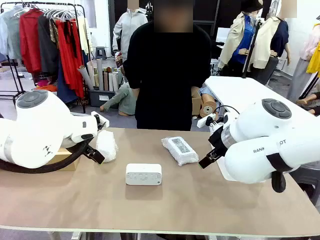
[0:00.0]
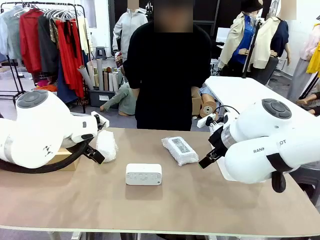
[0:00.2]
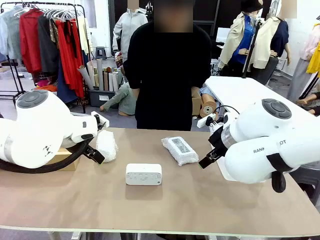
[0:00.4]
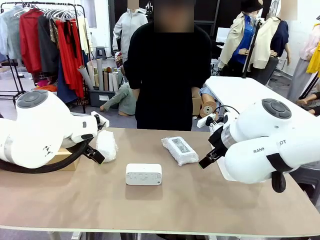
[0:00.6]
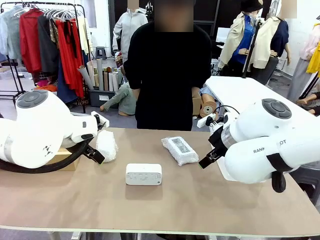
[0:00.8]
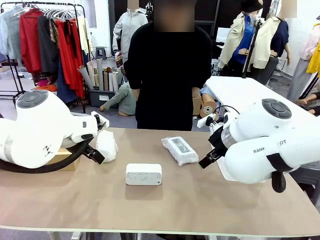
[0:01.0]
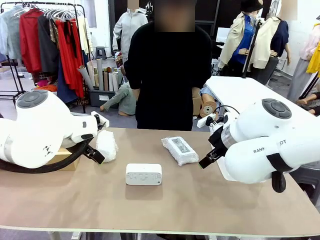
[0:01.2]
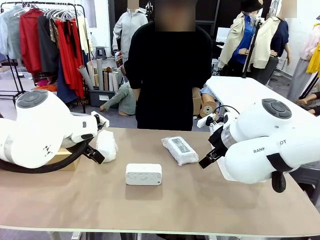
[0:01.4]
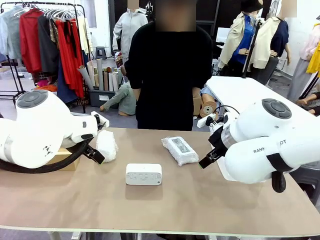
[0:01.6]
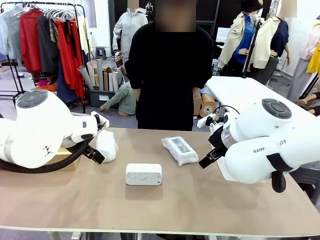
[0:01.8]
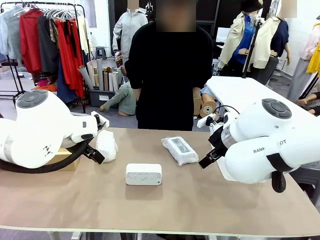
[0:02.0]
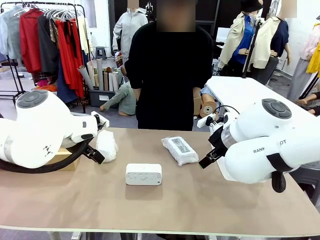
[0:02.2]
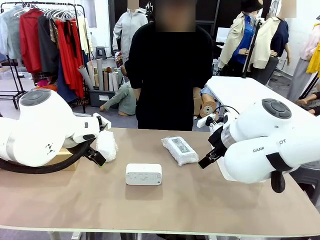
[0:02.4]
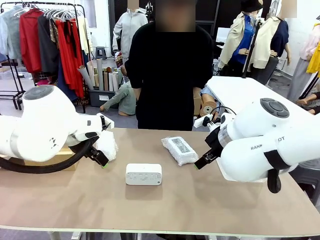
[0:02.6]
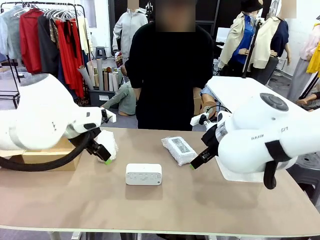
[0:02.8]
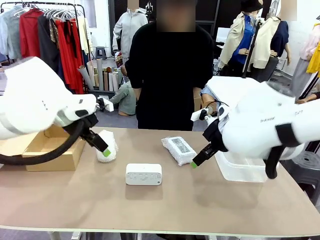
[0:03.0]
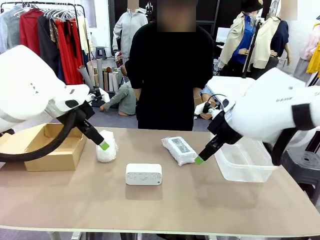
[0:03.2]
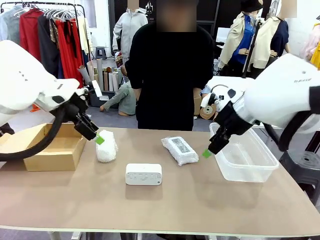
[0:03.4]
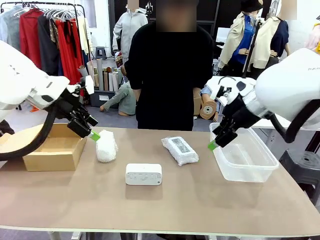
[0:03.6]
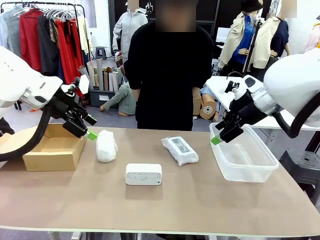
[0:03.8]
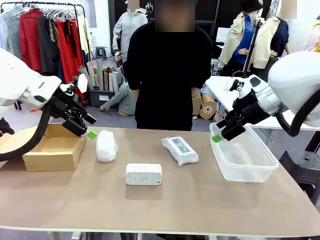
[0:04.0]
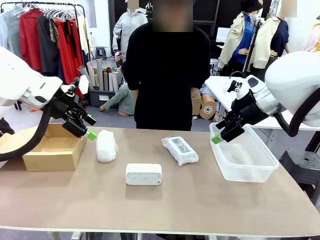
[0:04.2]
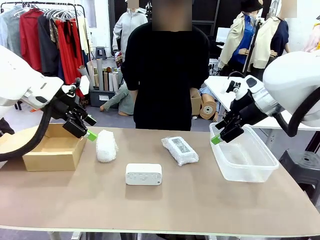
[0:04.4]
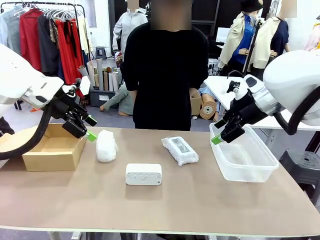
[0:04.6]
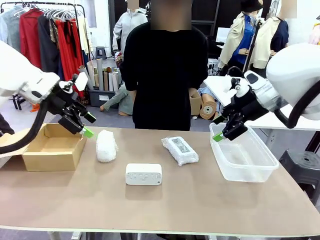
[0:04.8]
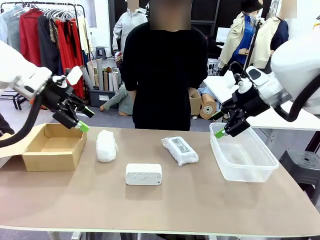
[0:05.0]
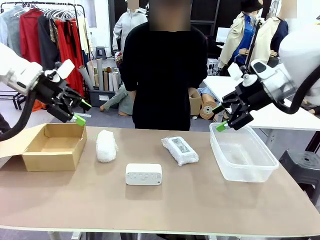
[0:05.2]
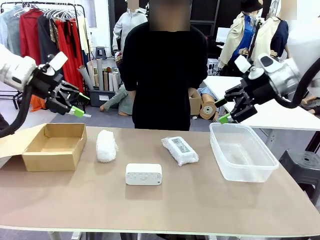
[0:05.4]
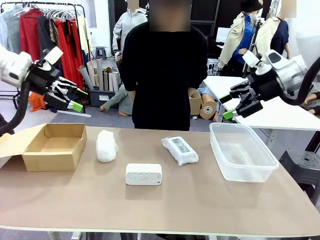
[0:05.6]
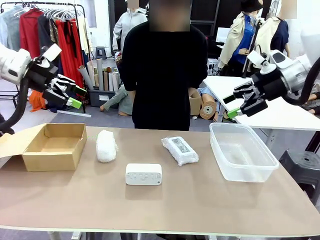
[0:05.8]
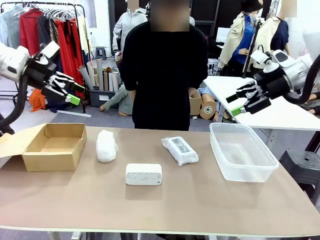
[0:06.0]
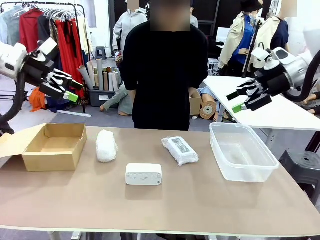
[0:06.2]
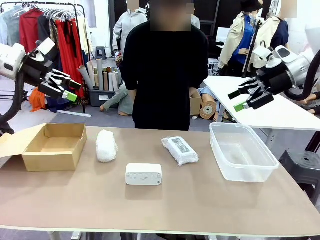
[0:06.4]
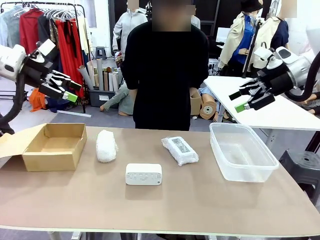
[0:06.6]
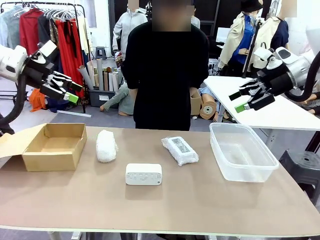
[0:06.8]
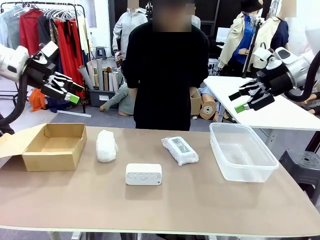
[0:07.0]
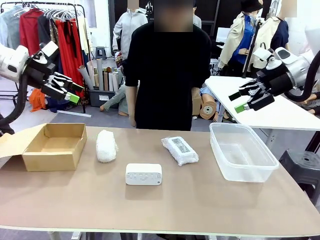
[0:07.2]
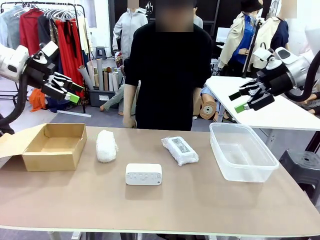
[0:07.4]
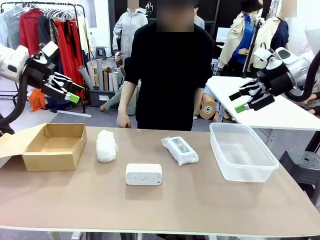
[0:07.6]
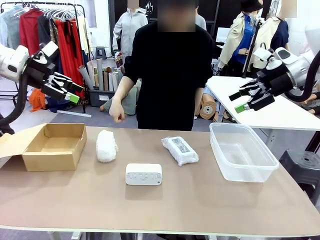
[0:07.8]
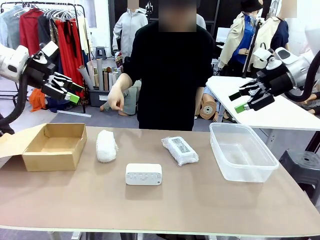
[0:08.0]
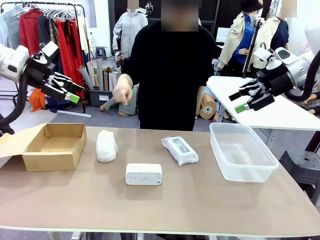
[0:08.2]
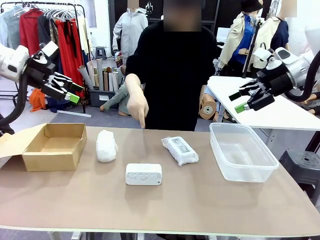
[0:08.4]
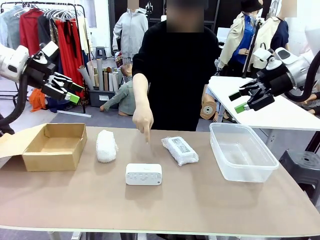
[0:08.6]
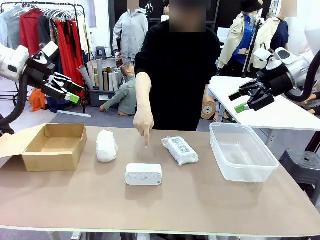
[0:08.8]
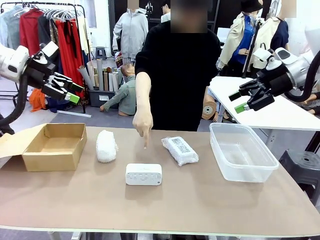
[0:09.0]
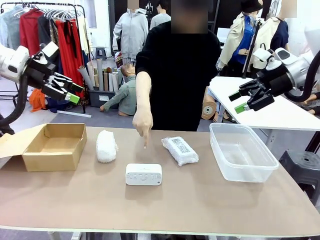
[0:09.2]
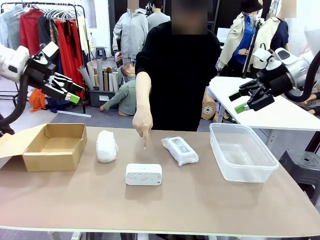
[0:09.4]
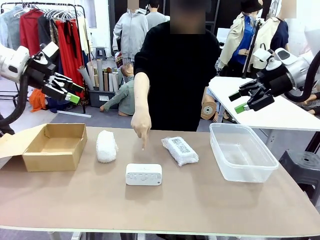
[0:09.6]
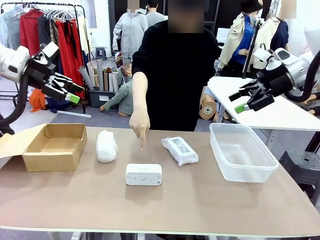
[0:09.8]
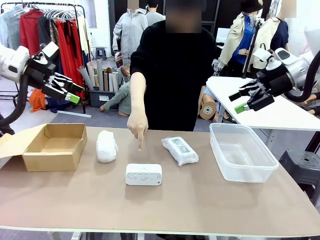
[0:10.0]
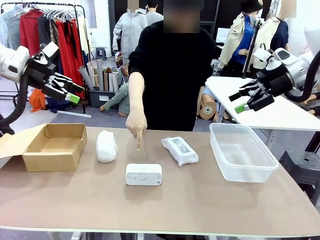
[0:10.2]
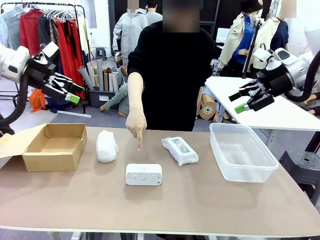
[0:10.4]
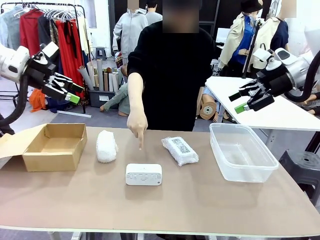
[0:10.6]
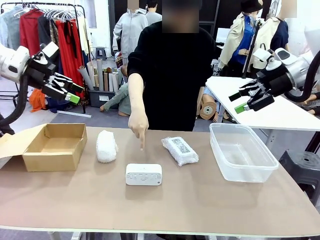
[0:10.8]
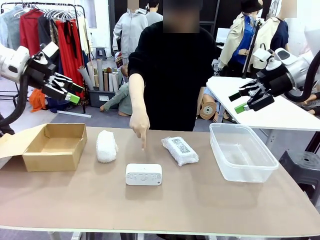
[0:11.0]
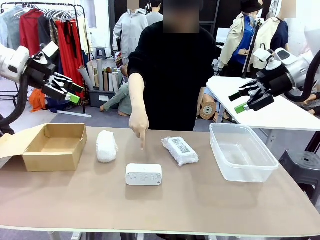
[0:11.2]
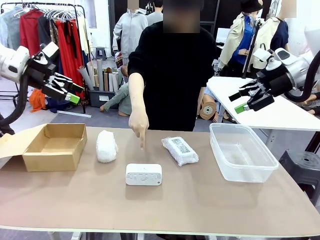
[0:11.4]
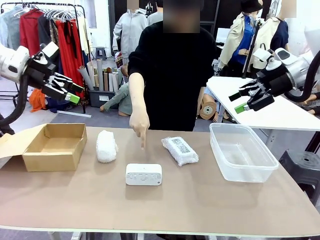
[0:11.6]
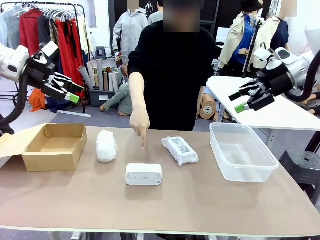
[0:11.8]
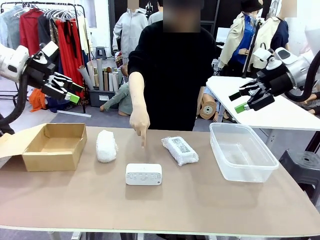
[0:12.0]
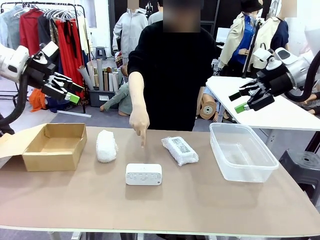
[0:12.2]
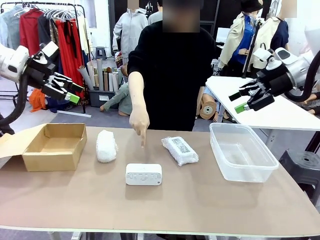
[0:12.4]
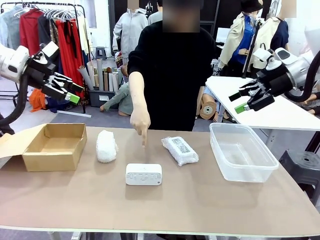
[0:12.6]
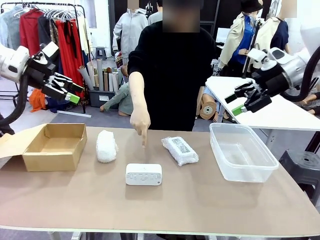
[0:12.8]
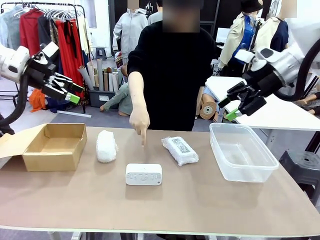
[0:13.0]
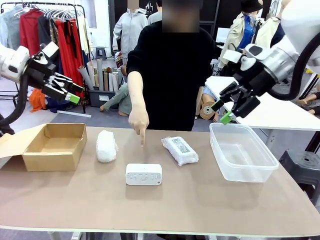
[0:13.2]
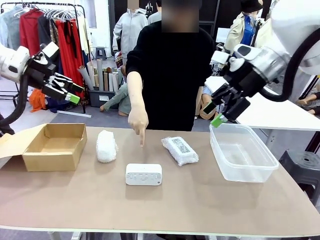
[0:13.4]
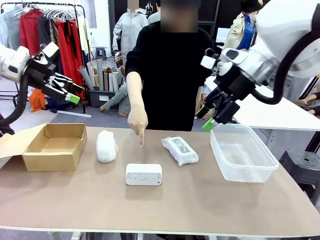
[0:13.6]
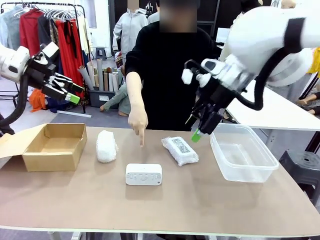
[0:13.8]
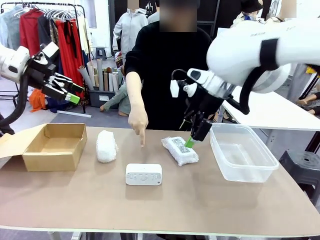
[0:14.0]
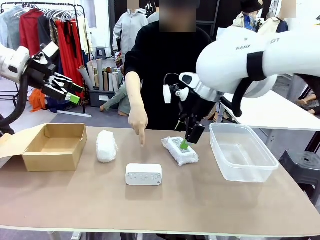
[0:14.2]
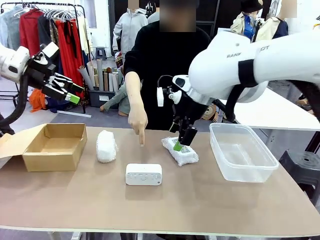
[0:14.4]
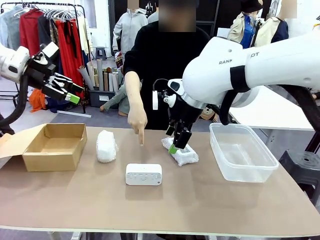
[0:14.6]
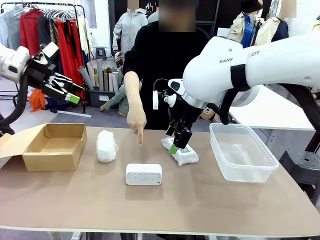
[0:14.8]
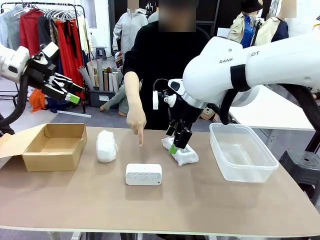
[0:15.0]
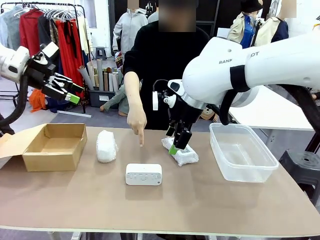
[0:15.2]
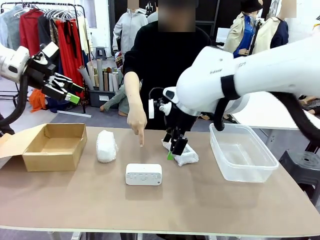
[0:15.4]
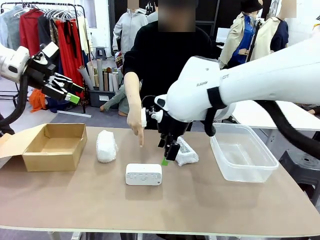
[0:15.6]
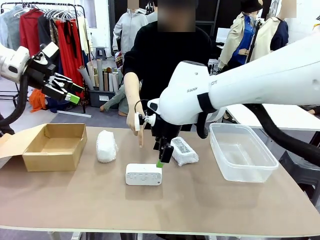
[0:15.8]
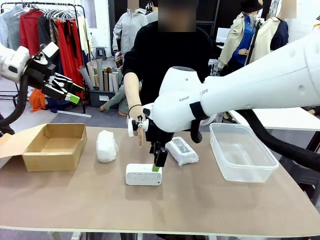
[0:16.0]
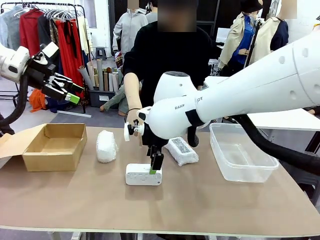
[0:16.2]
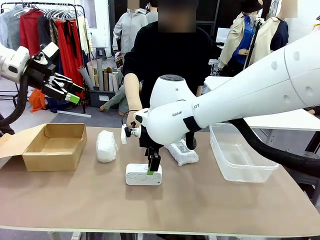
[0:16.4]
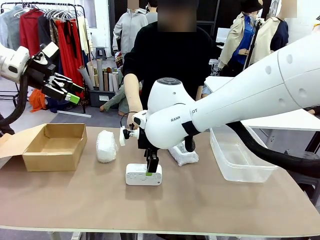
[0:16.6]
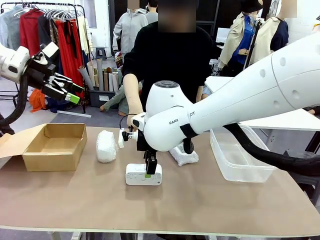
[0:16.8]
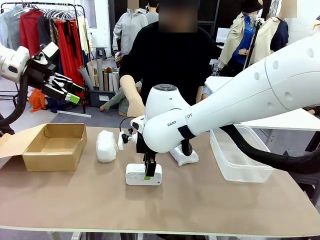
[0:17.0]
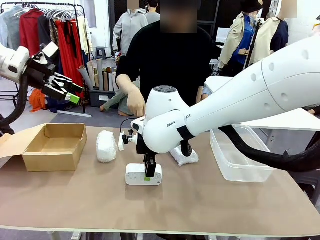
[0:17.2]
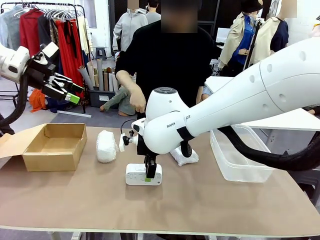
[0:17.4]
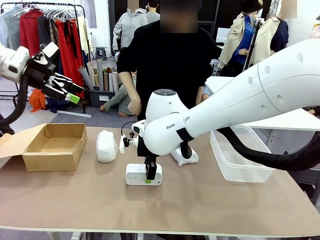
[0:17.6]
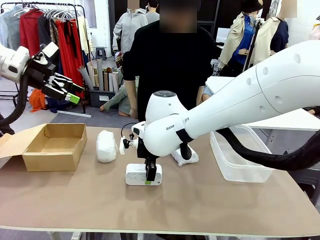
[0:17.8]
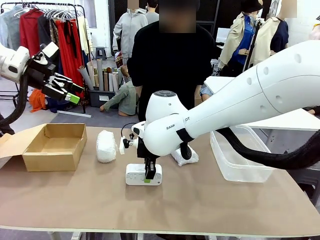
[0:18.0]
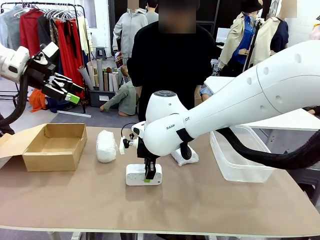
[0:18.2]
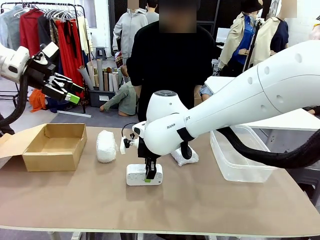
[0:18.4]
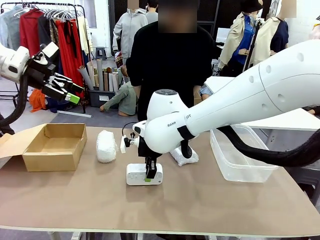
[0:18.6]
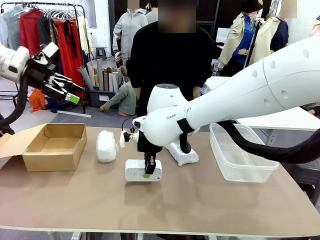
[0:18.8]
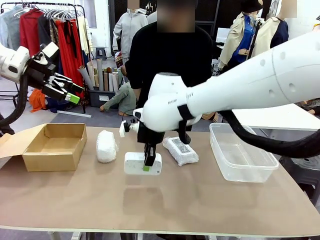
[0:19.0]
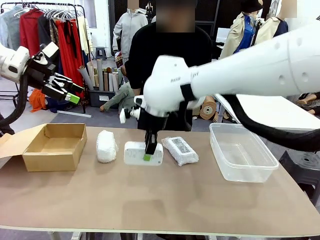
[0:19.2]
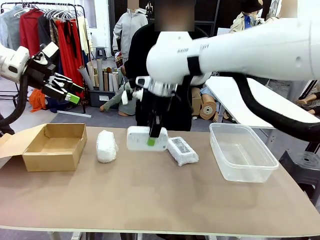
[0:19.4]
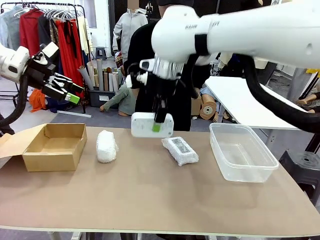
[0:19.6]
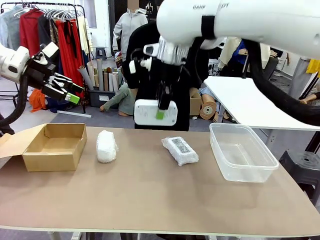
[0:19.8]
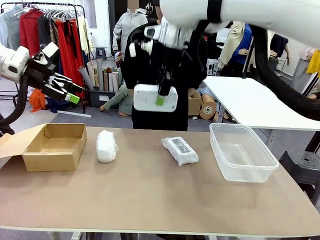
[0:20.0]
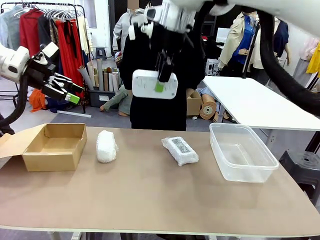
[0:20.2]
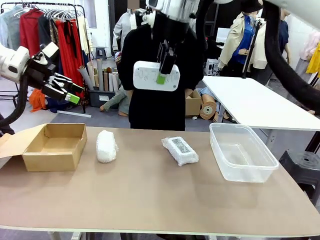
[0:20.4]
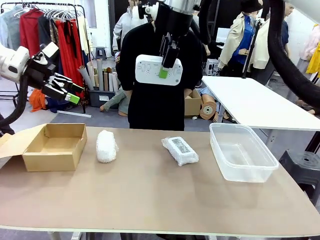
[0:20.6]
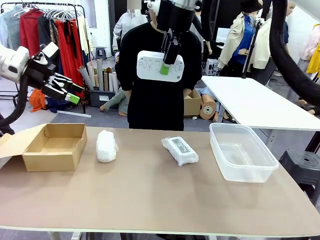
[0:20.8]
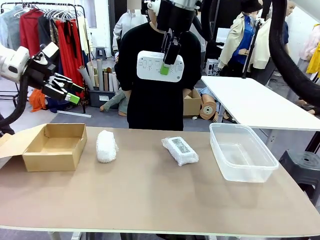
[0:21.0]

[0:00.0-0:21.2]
Task: Separate and place wrapped and unwrapped clocks.
Robot: Pick up the Digital clock indicated by the person.
